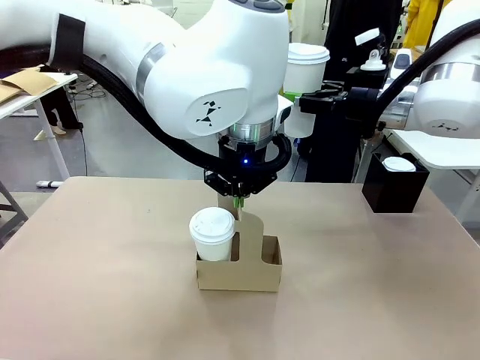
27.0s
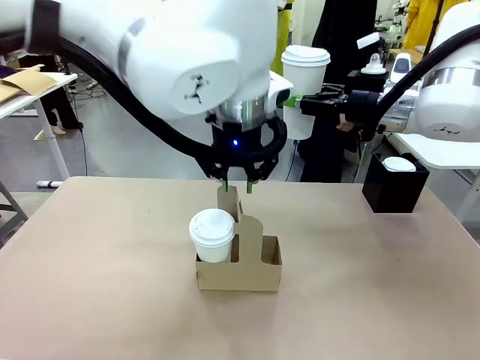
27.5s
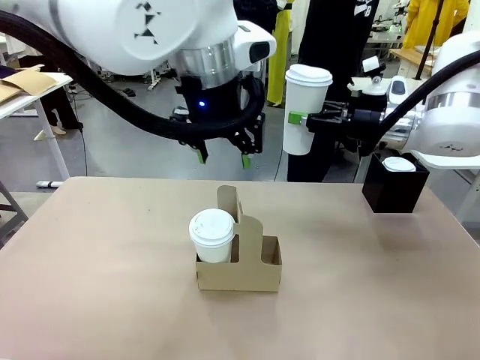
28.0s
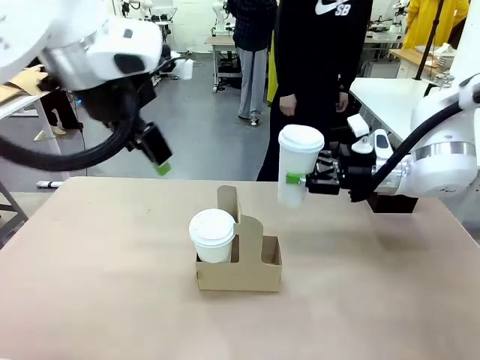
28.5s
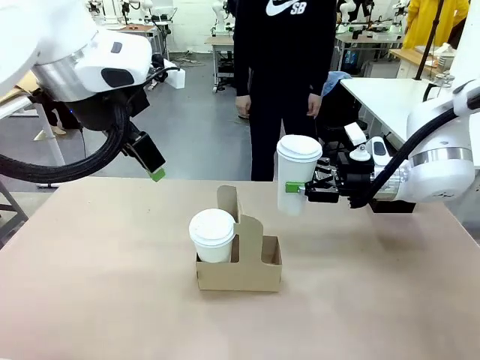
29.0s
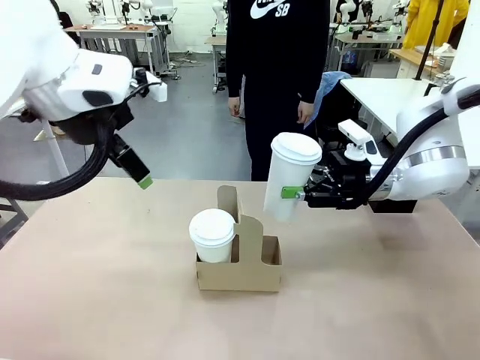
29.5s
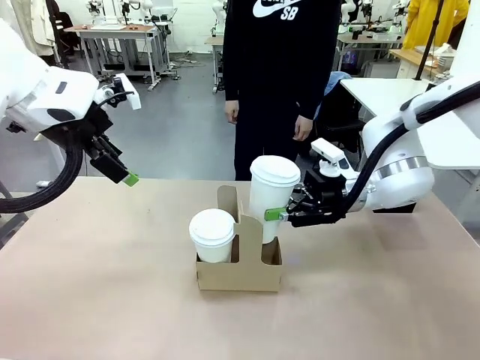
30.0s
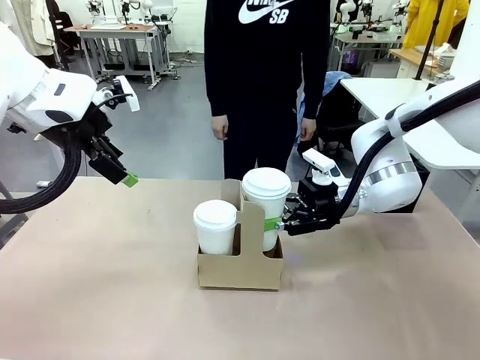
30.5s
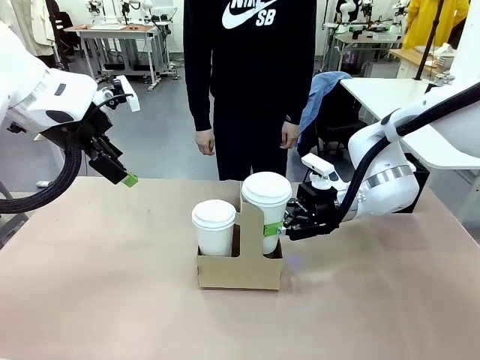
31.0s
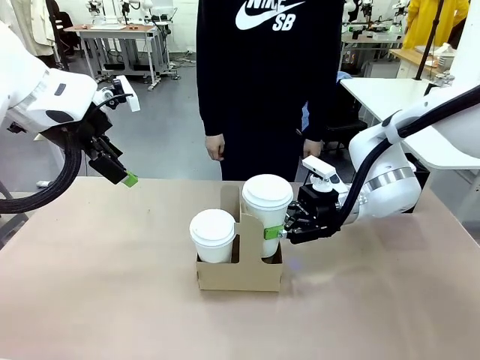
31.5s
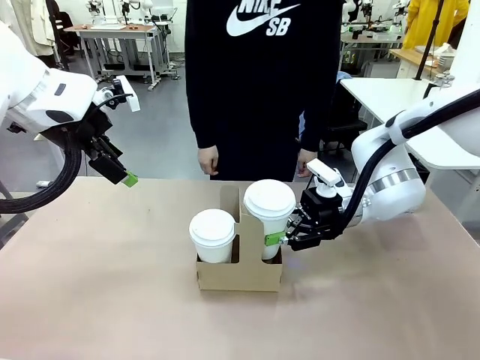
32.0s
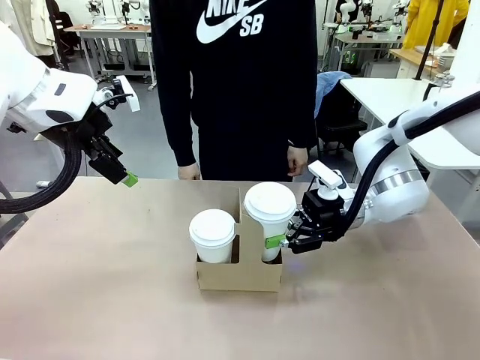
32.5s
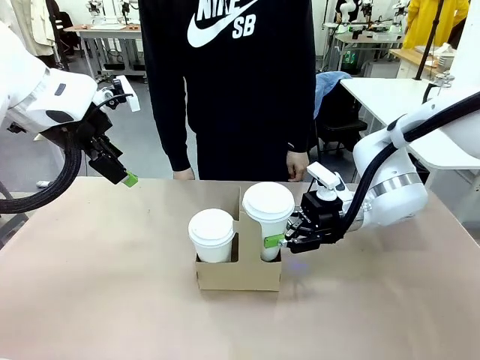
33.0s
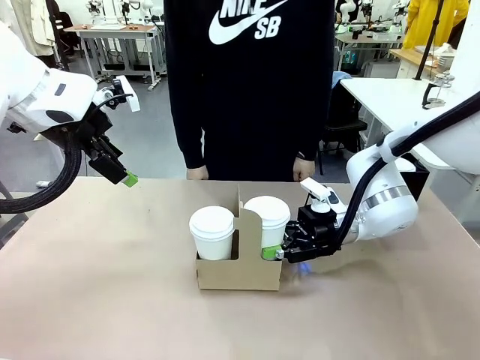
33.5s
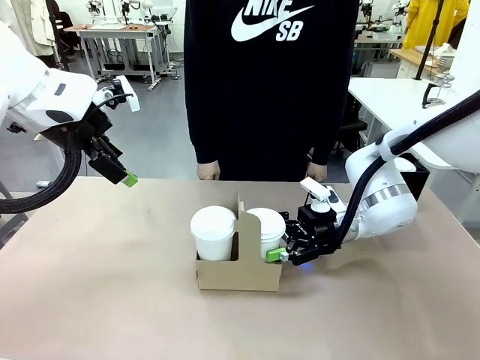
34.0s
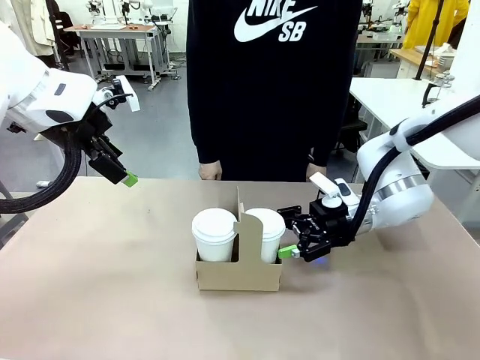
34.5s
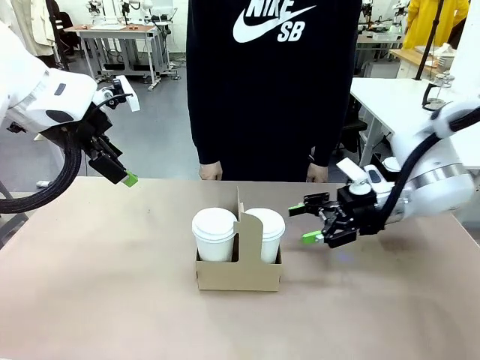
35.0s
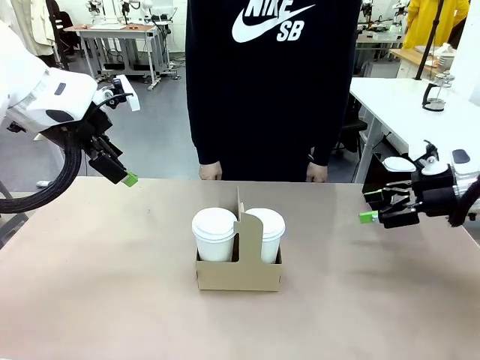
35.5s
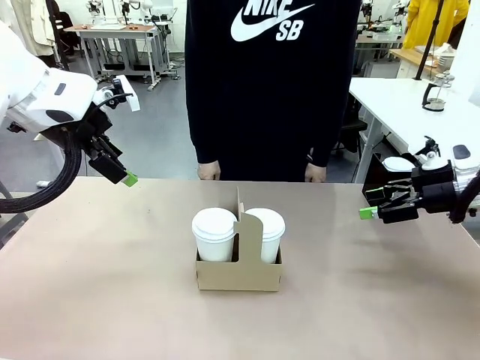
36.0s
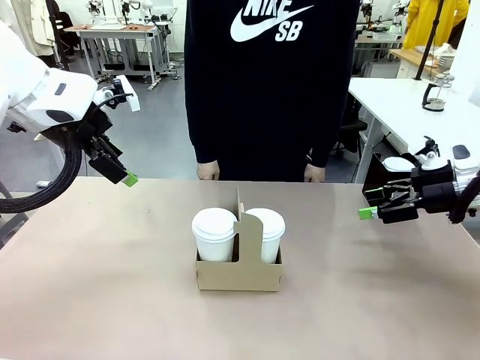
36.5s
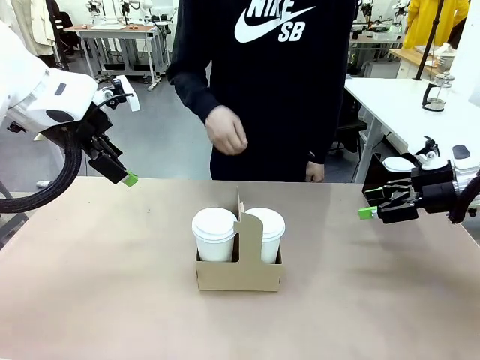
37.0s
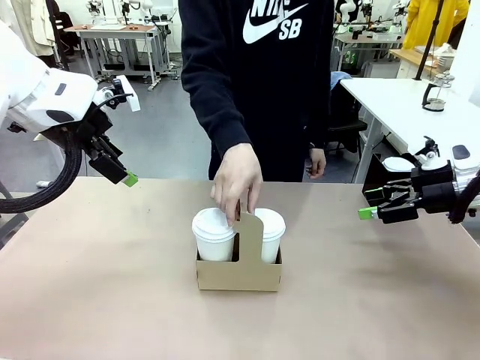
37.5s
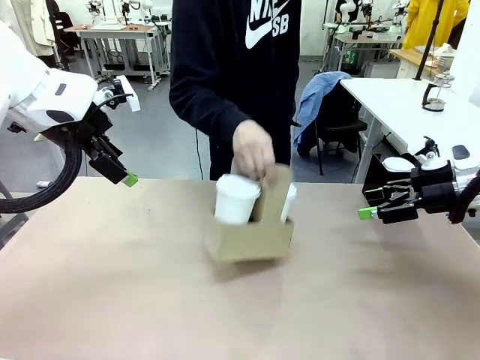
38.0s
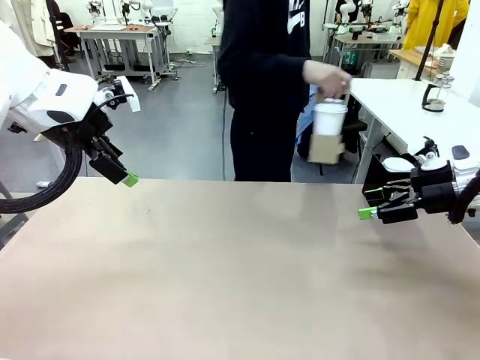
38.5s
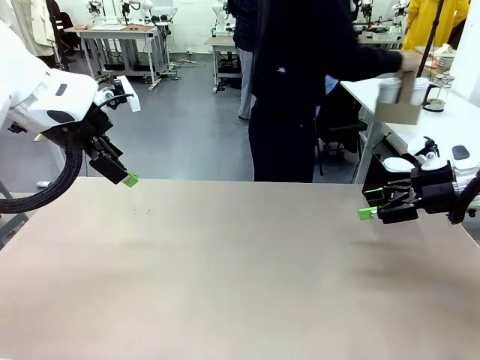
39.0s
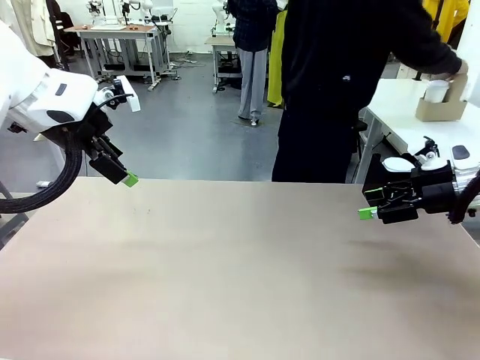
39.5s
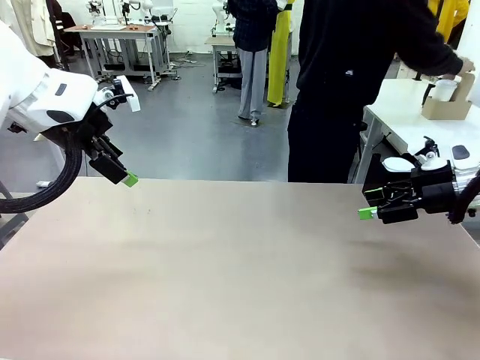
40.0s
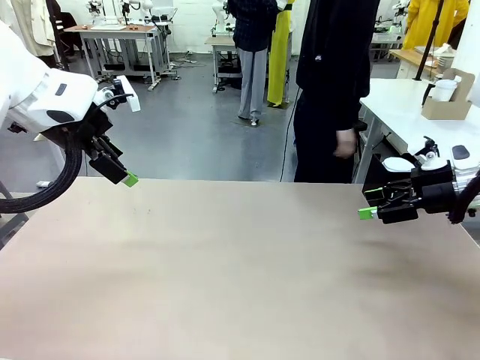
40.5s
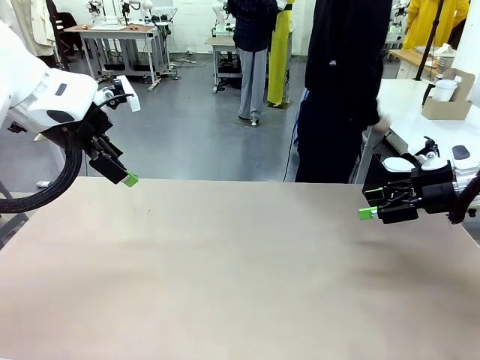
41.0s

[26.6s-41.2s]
Task: Pour a drink into a cup and package it in a carrier.
Robot: Insert the held 600 ml Paper Cup into the Cup Carrier.
Person: Place the Cup Carrier to the middle of Human table.

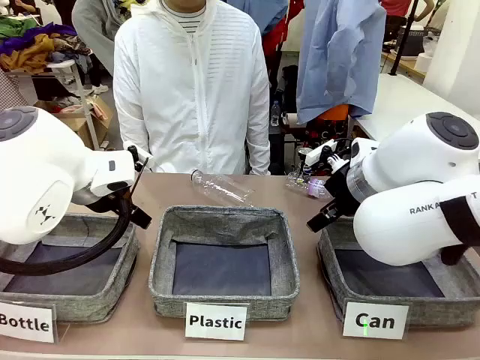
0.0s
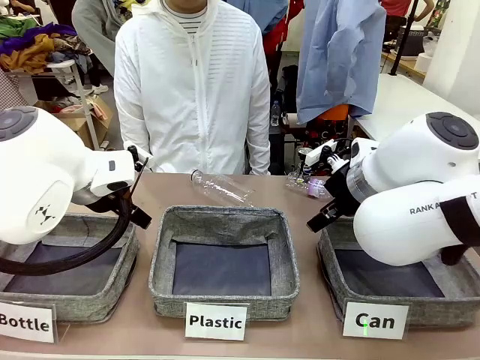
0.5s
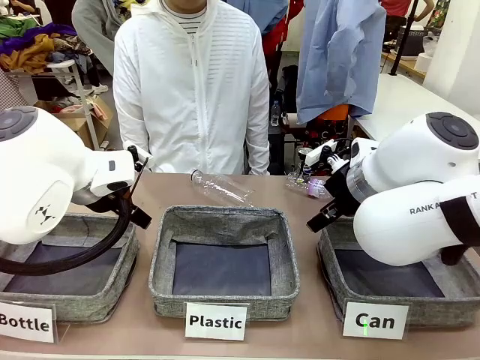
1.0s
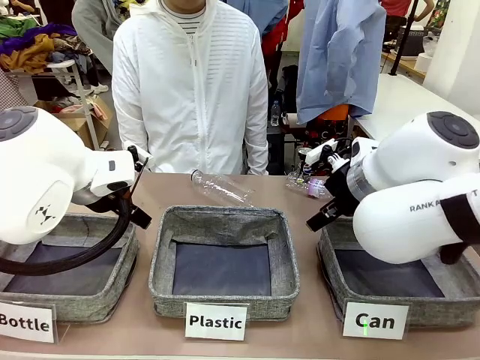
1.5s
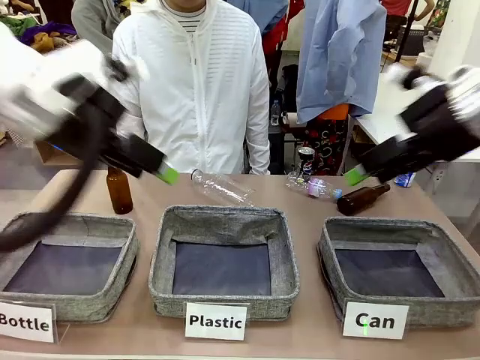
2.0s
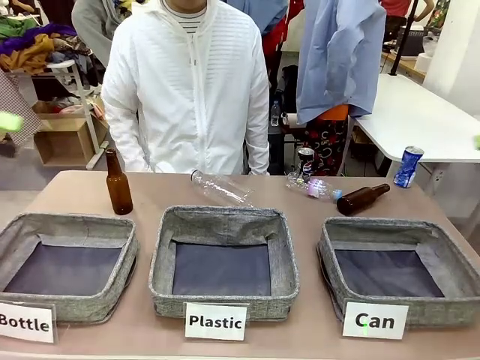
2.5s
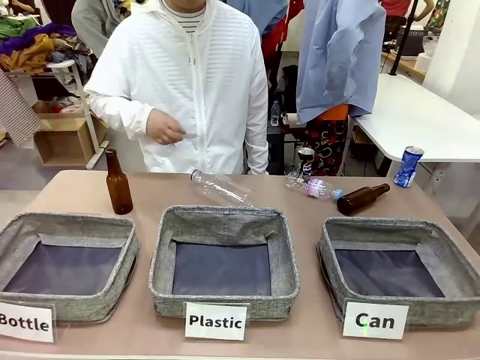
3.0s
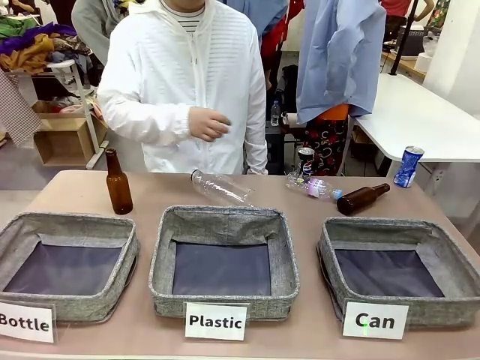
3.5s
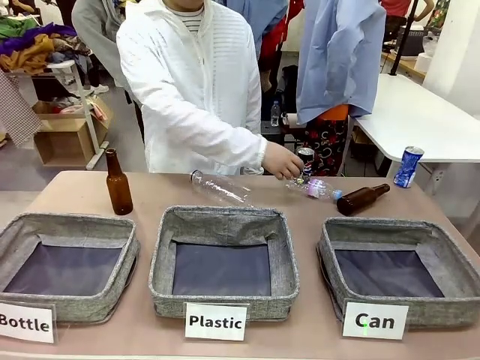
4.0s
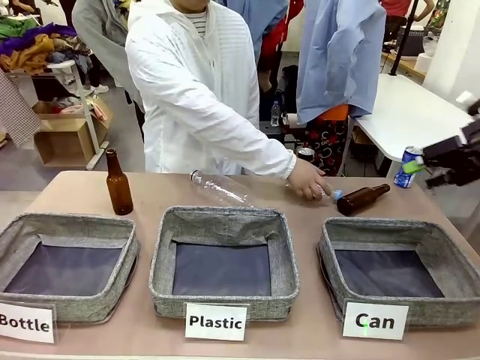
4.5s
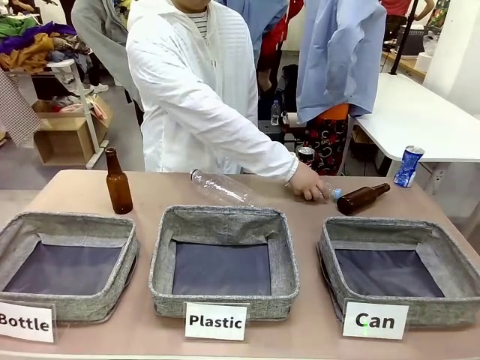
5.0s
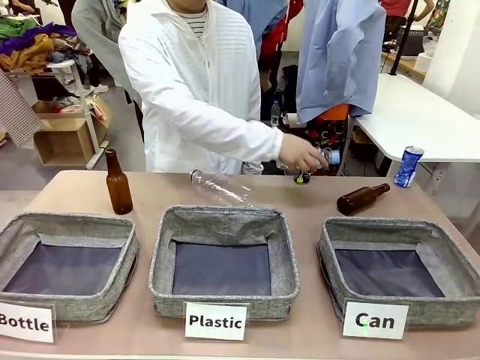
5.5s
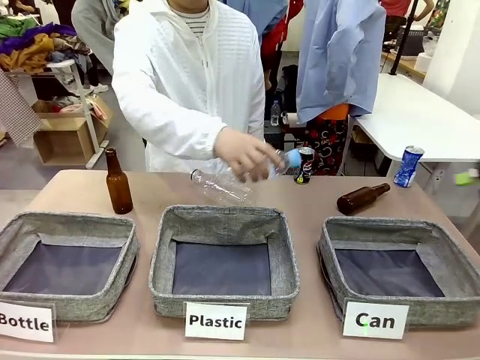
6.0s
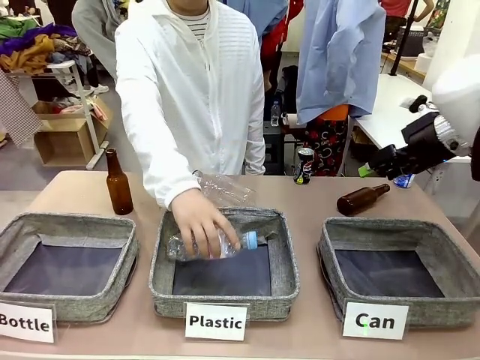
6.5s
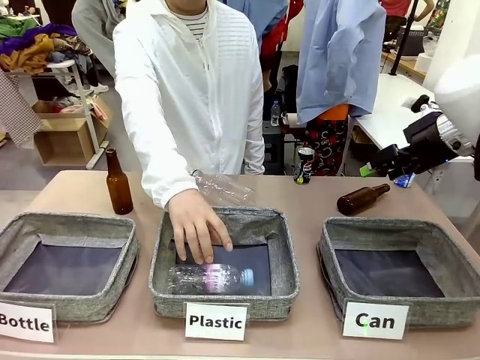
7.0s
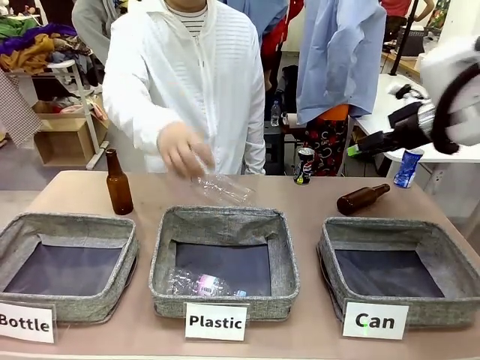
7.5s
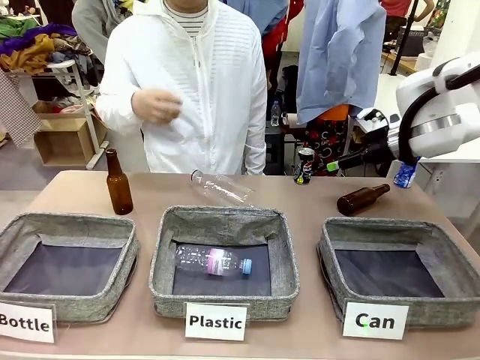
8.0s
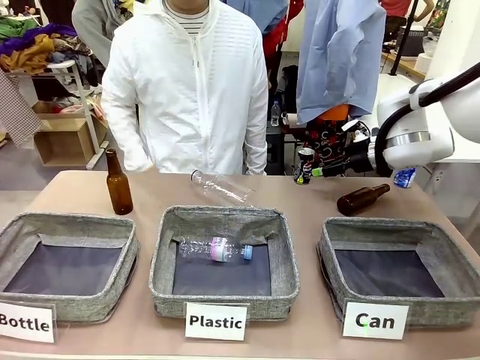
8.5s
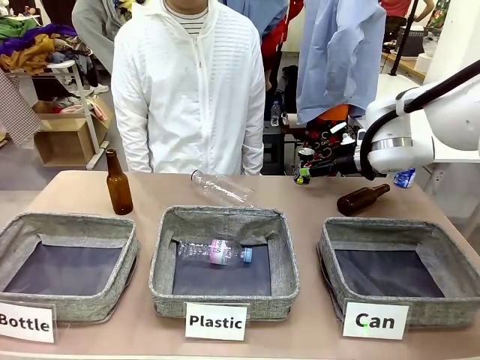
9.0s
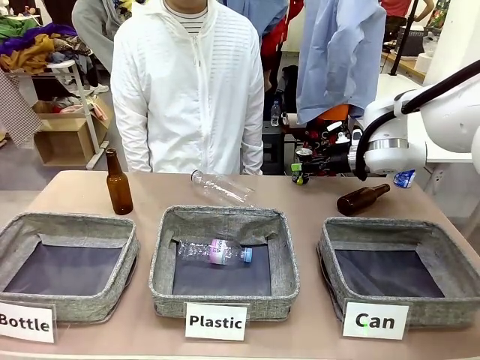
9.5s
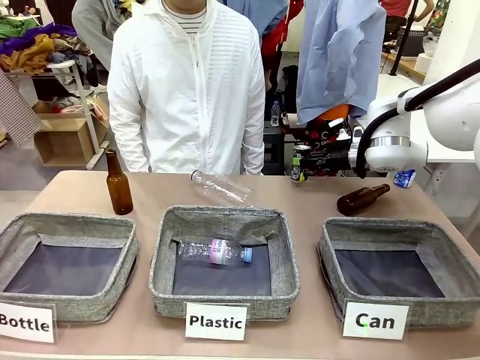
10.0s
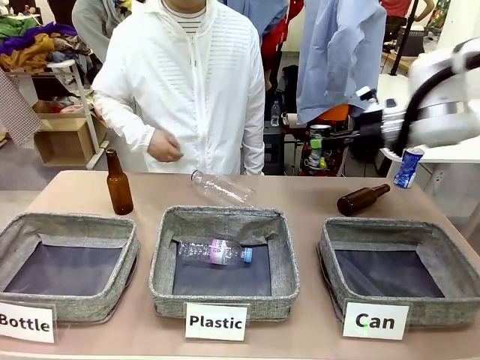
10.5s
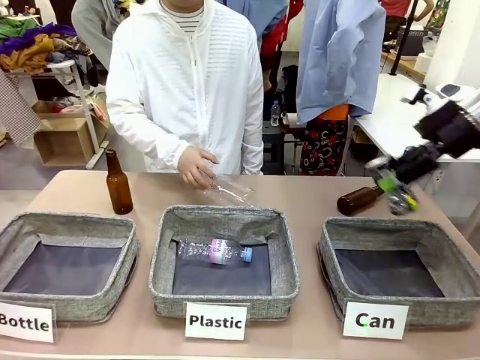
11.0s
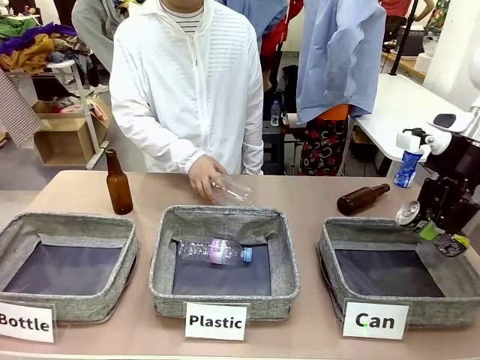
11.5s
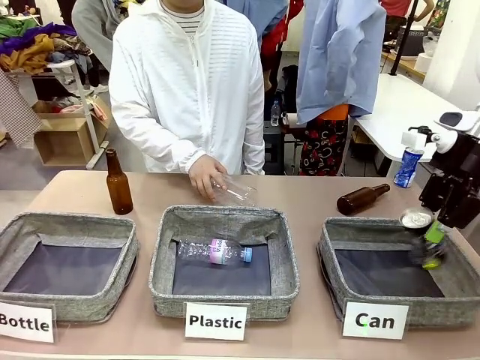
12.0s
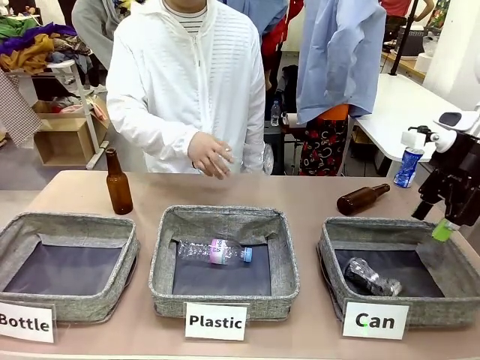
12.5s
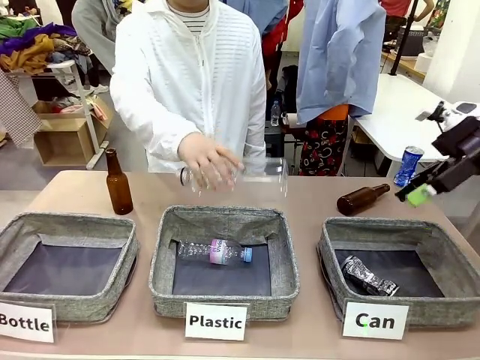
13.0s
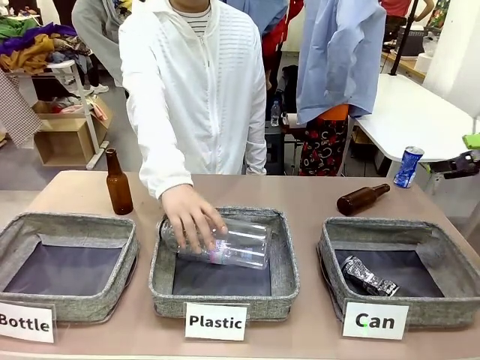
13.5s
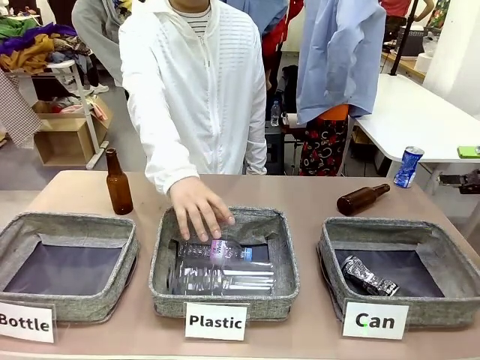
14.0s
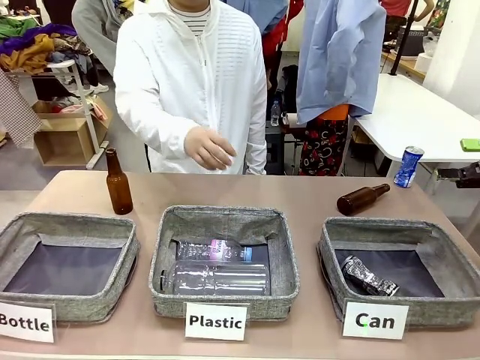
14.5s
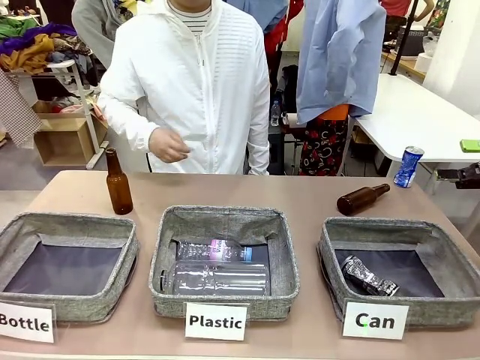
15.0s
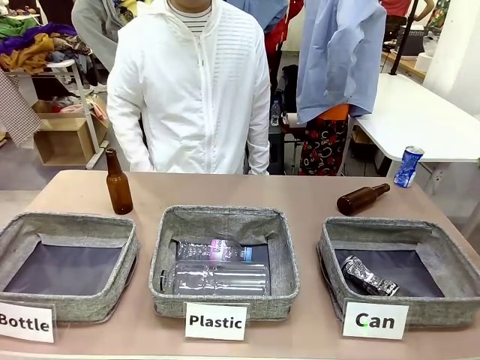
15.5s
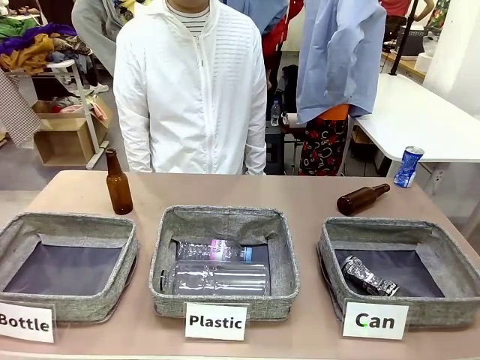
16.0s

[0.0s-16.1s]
Task: Sort the can waste into the basket.
Robot: Pick up the can waste from the table and place it in the right Fabric basket.
